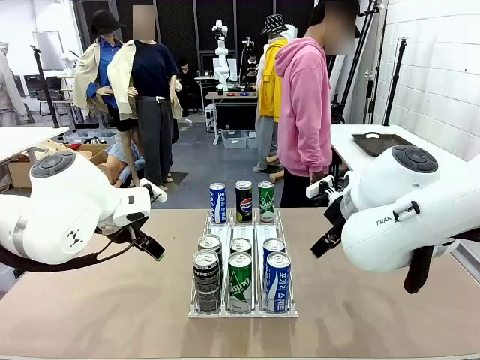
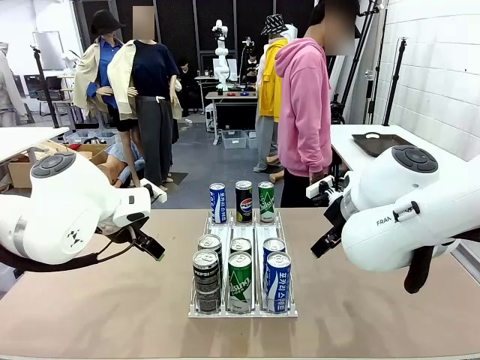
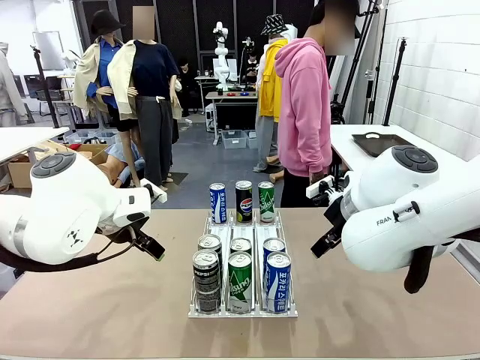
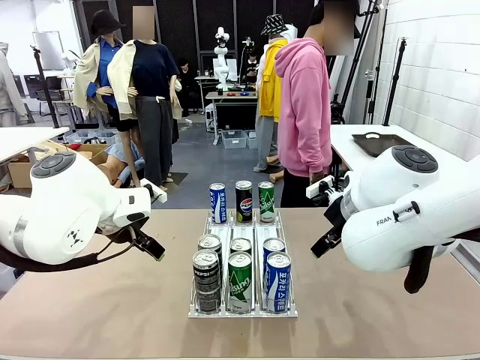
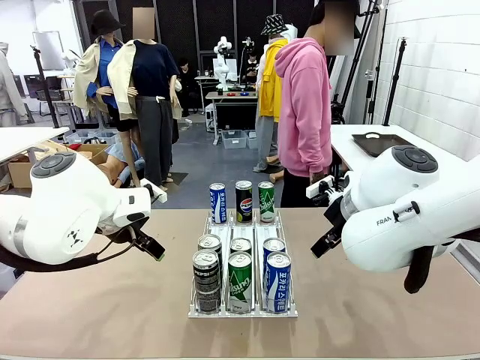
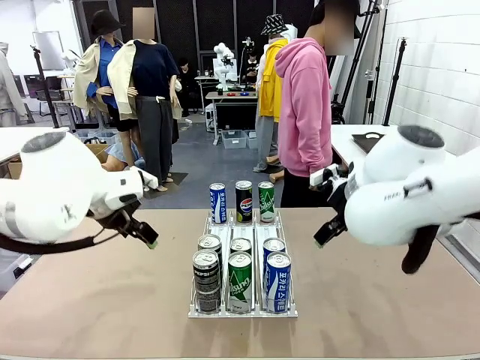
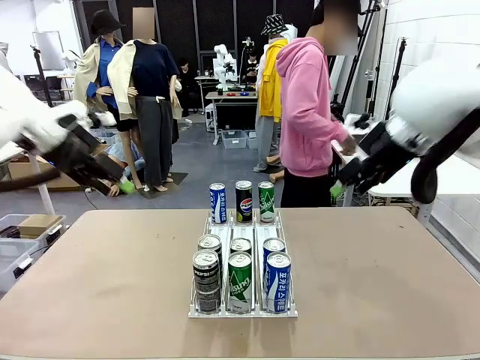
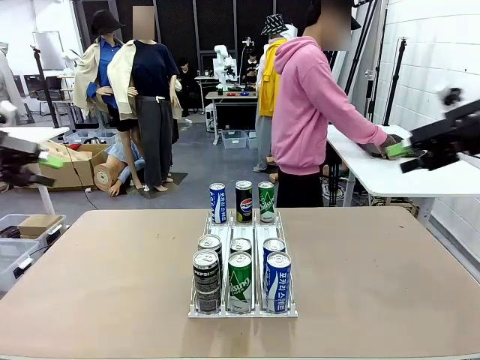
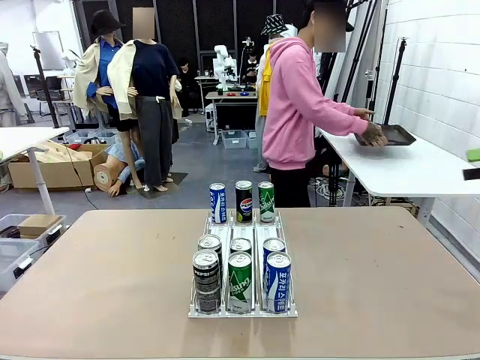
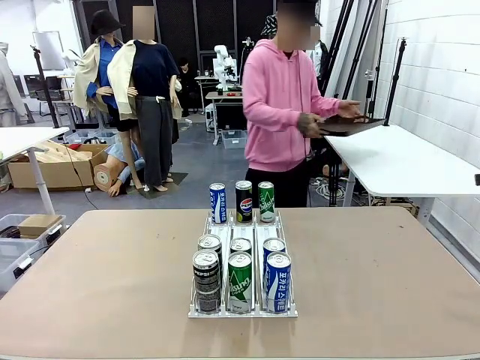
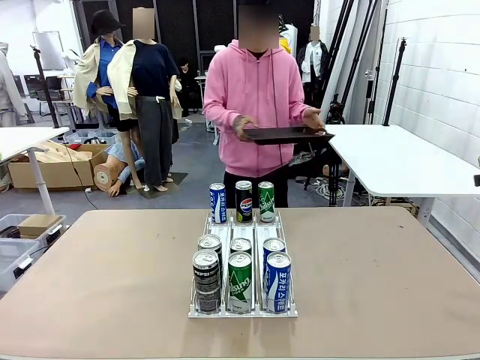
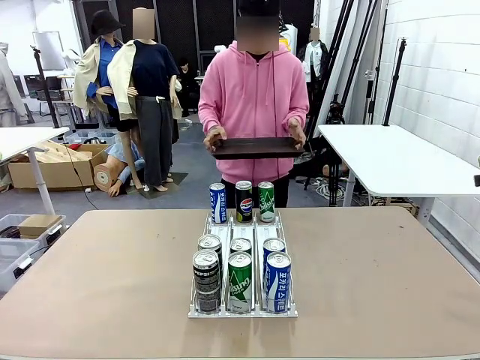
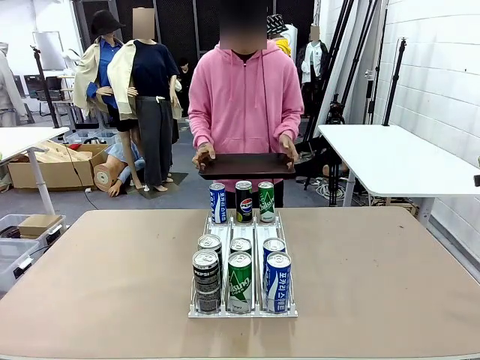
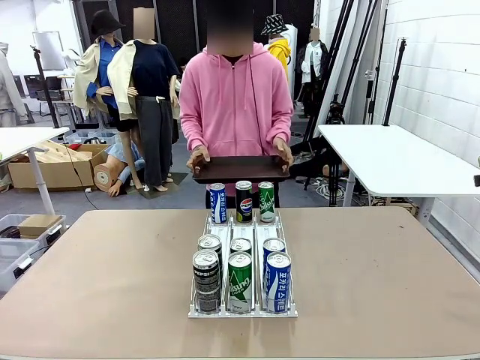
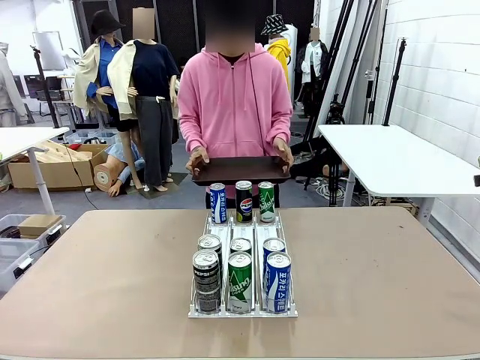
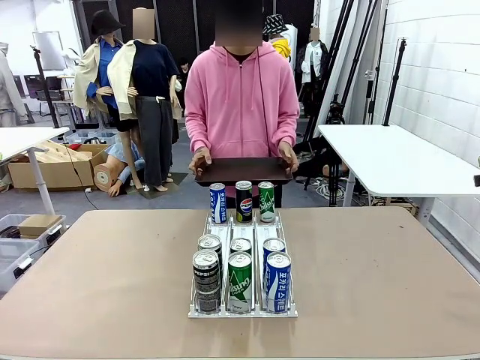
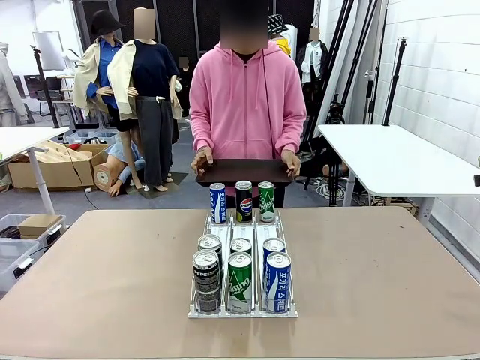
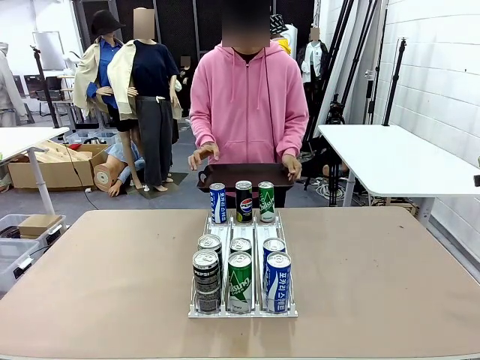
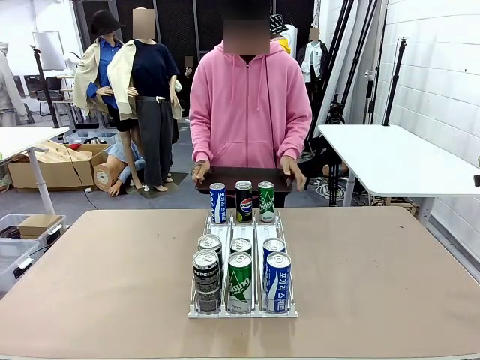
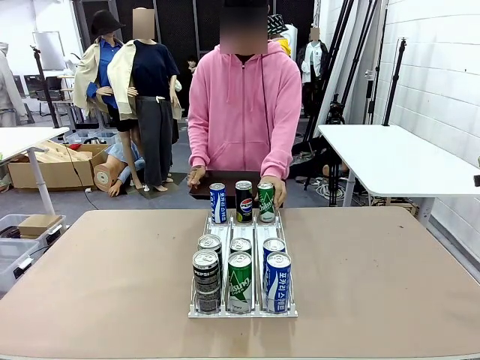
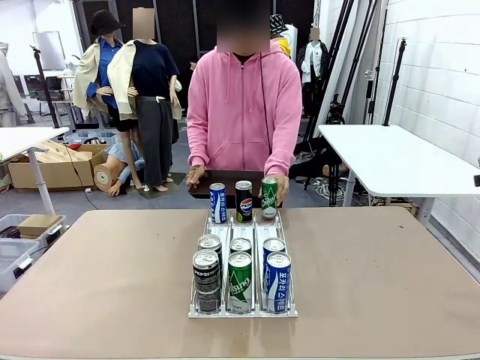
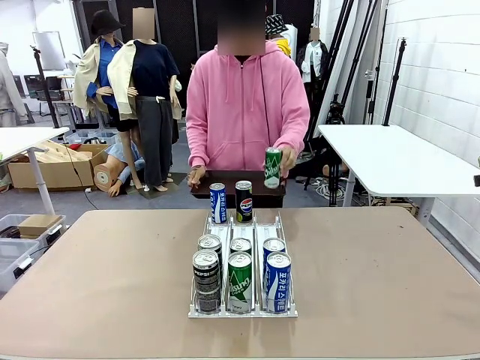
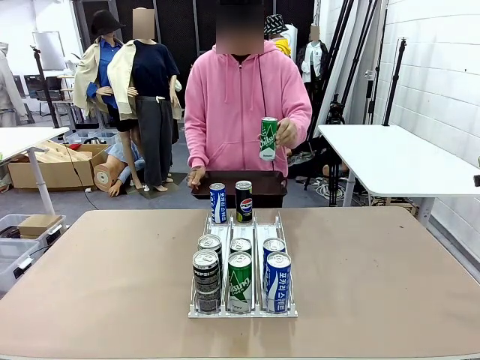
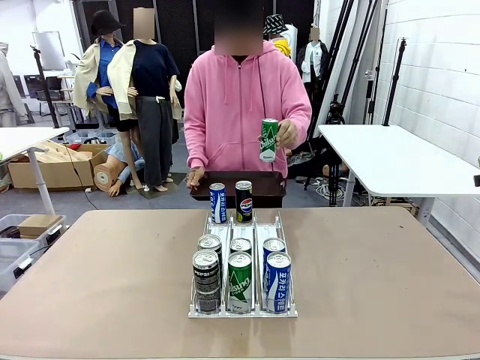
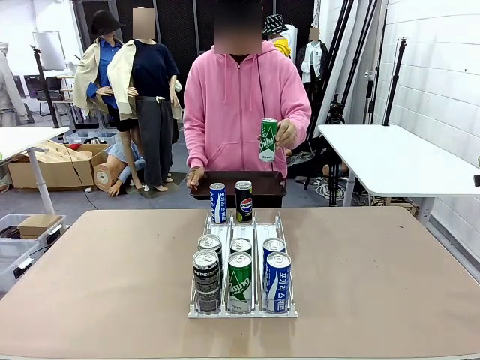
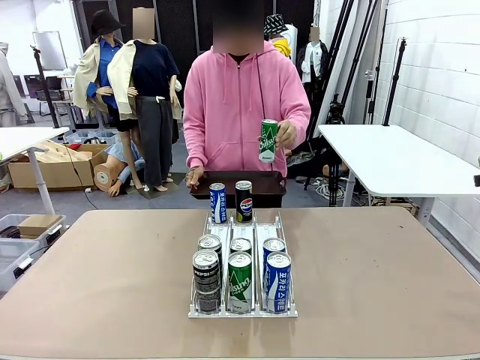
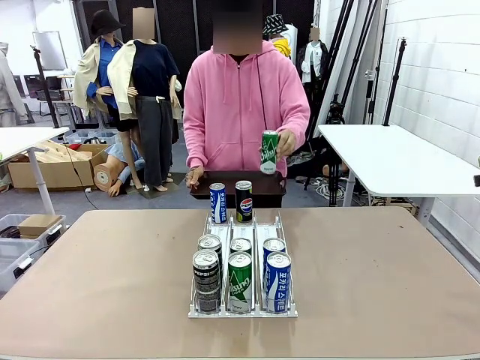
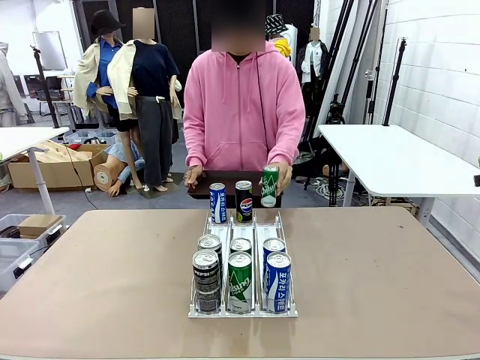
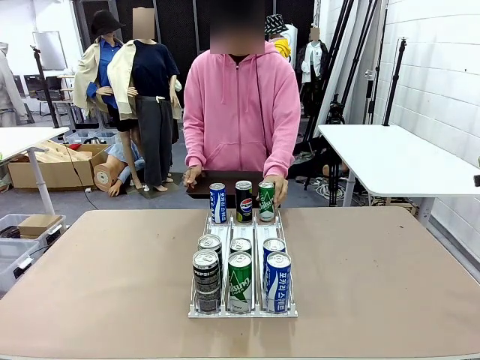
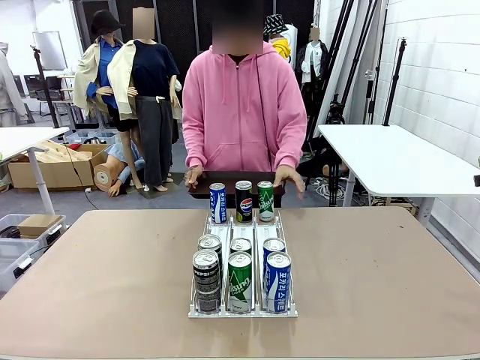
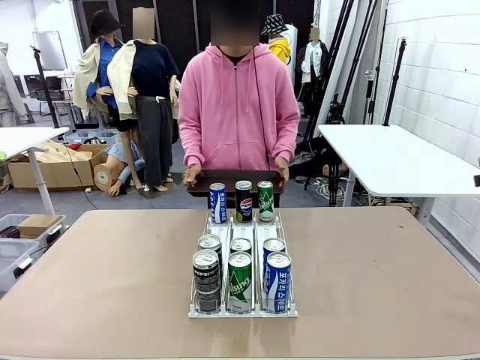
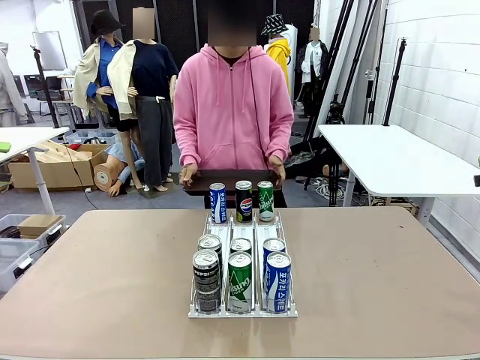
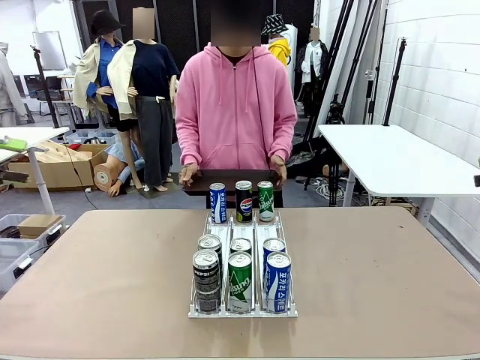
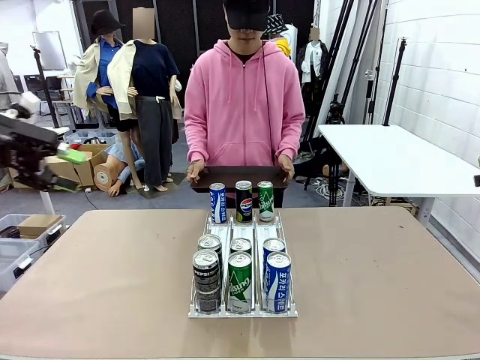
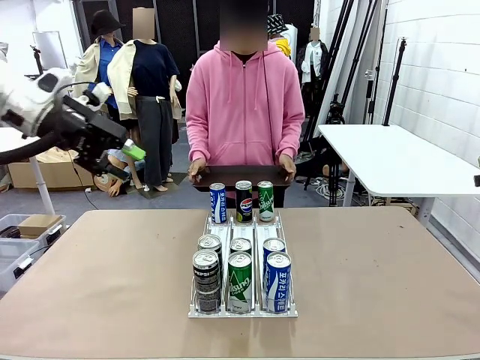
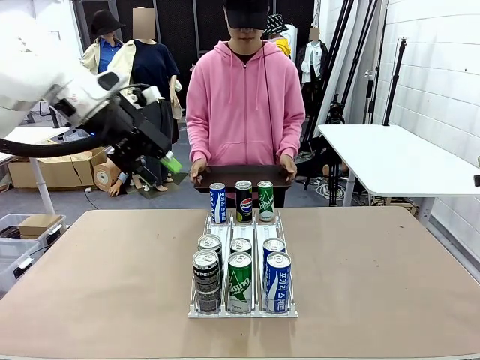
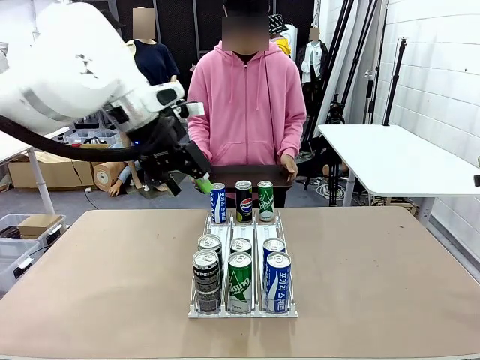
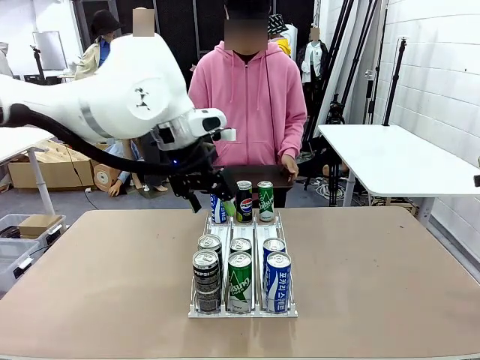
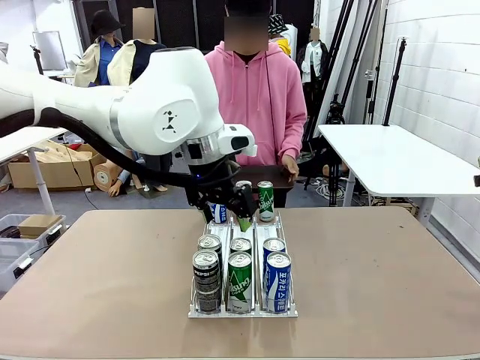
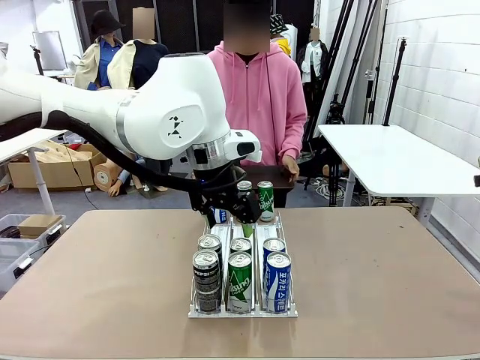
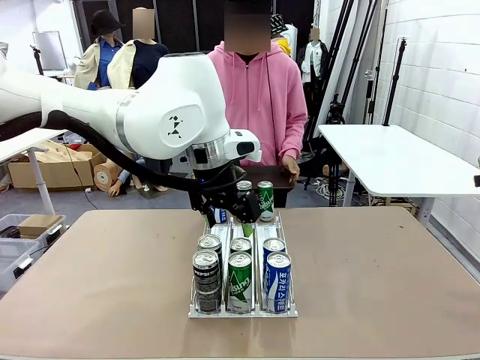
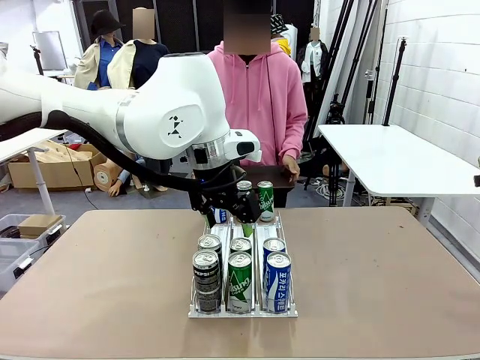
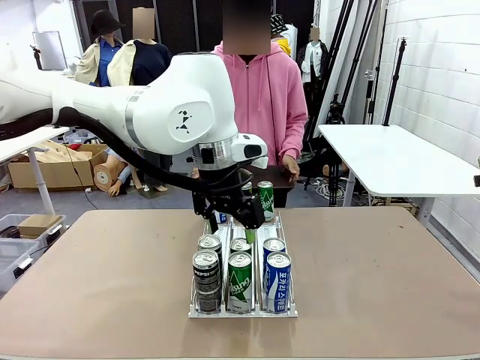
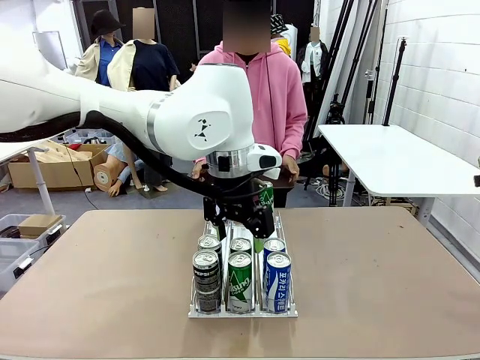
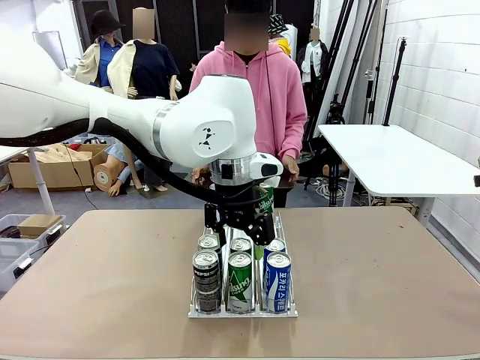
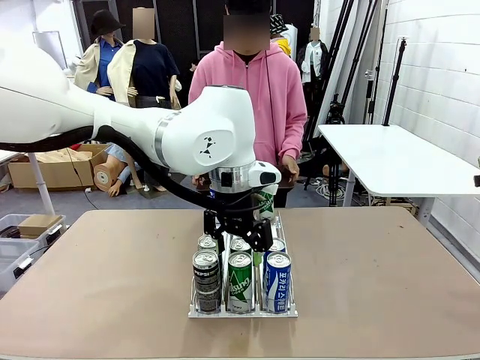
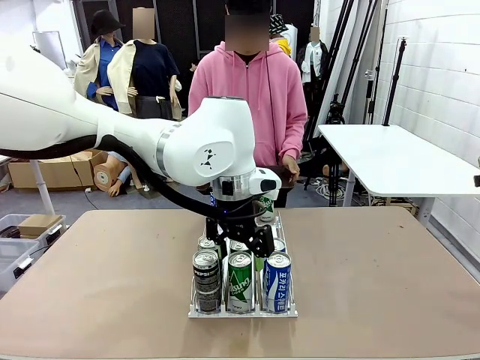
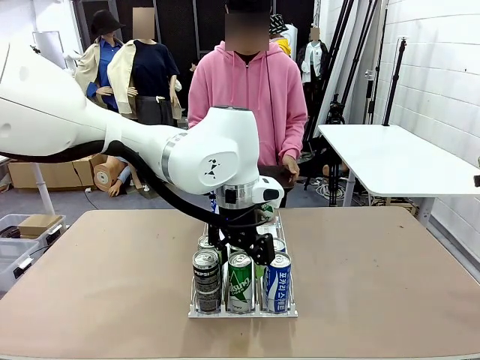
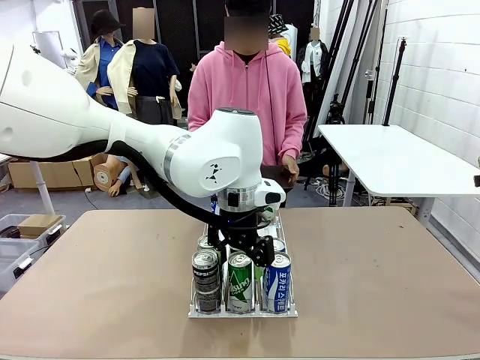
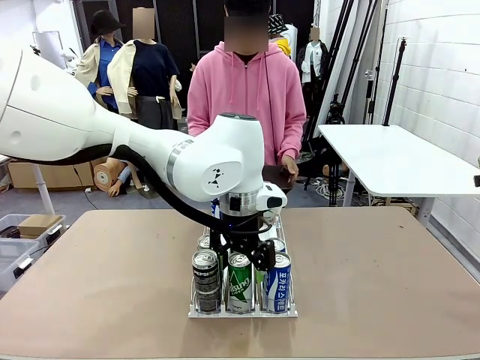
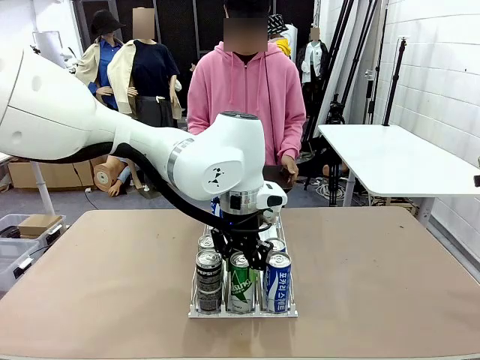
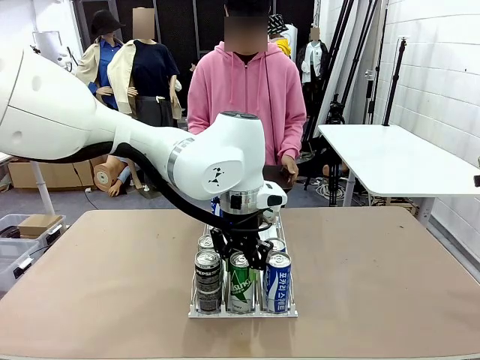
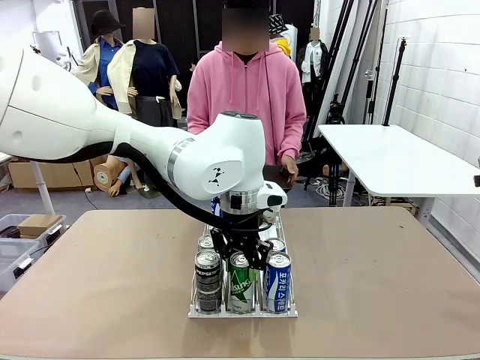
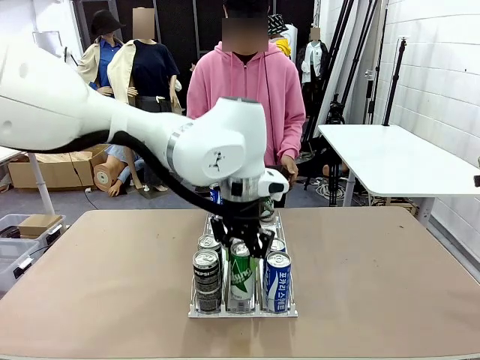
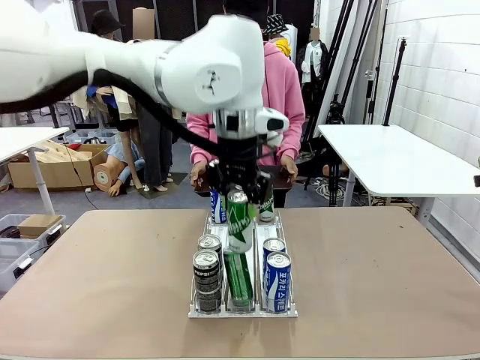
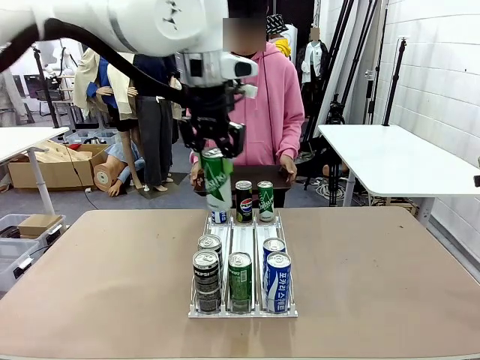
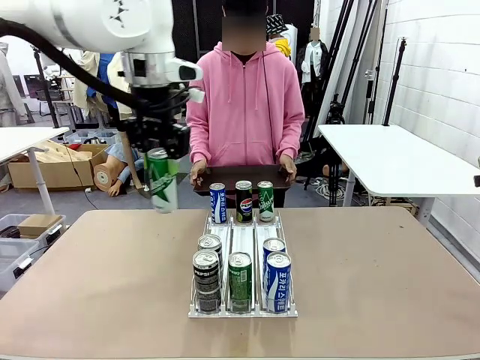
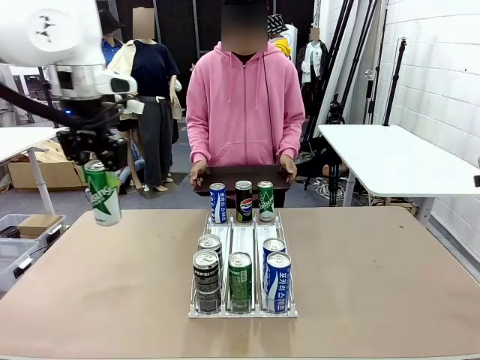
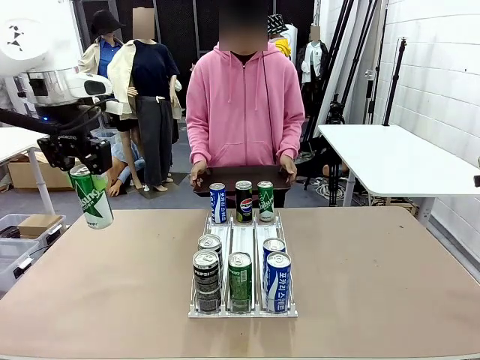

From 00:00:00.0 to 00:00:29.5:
Task: Retrieve and hand over the desired beverage to the person.
Robot: Pick up a can of the same type that the person held from the Automatic Can Dispenser.
Person: Hold the tray and position yourself in front of the robot table. Pick up one can from the bottom area of the table and puts it back in its original place. Push the tray toward the robot.
